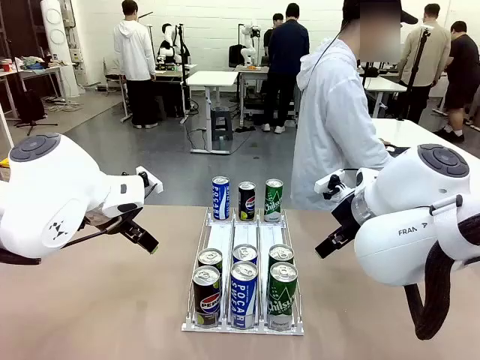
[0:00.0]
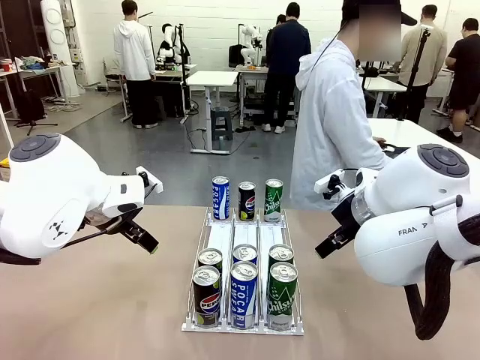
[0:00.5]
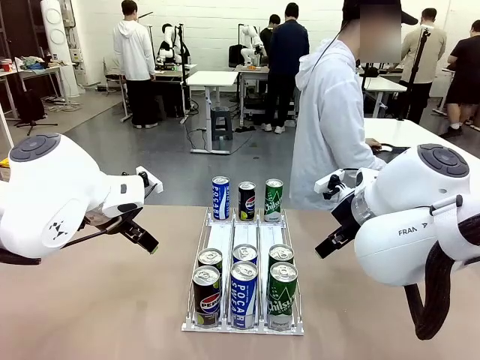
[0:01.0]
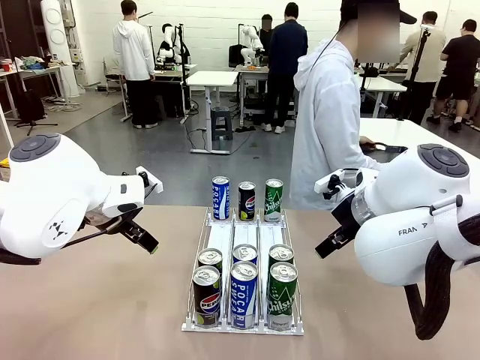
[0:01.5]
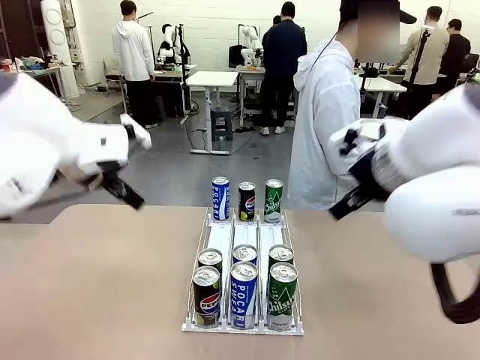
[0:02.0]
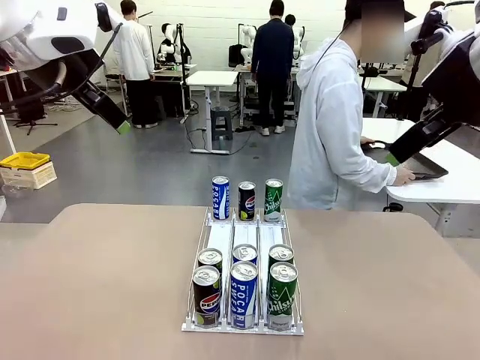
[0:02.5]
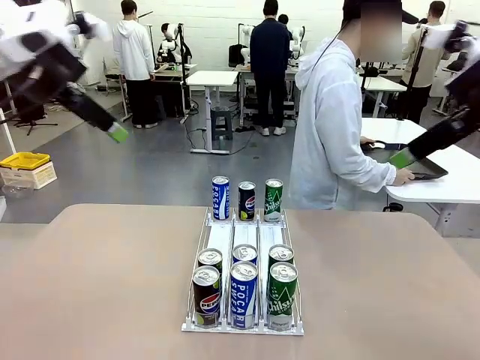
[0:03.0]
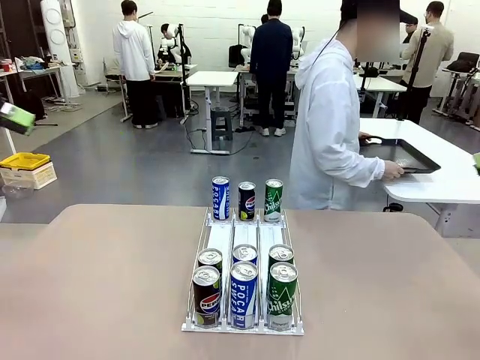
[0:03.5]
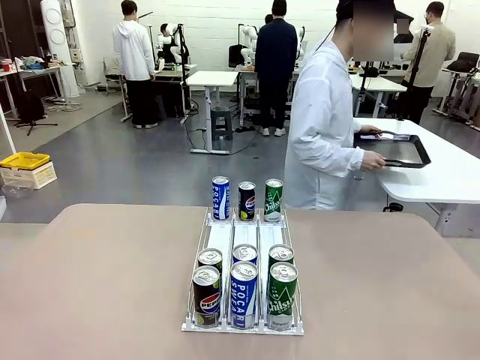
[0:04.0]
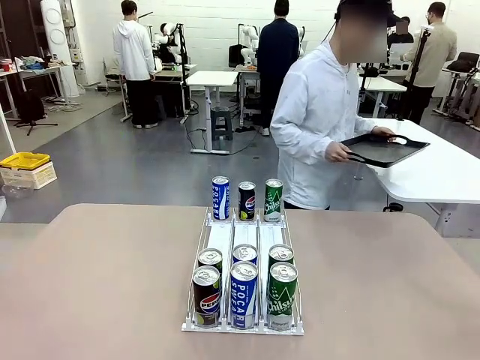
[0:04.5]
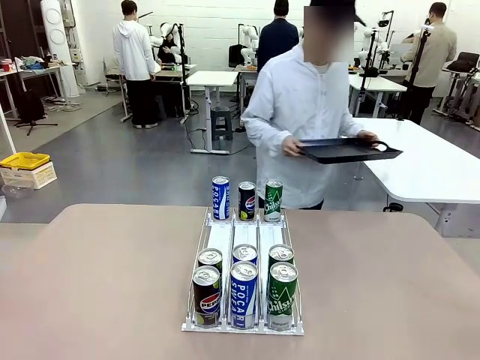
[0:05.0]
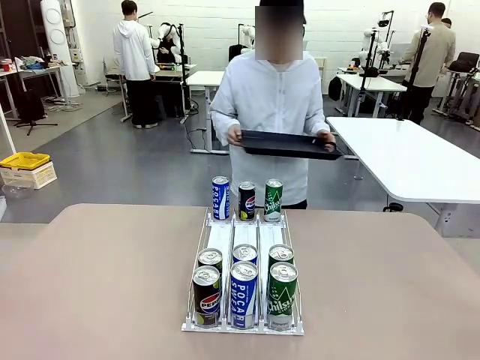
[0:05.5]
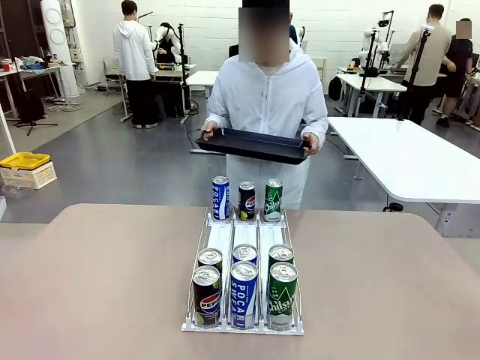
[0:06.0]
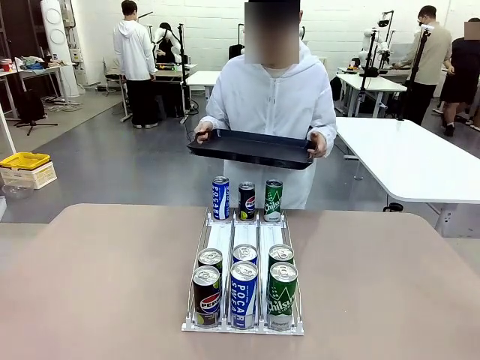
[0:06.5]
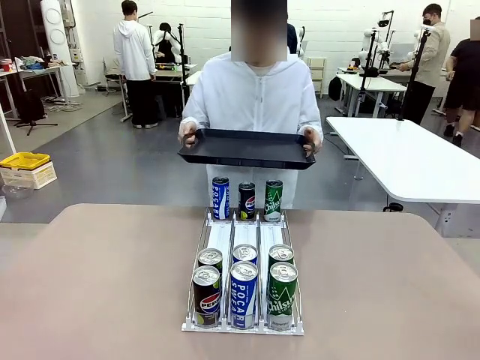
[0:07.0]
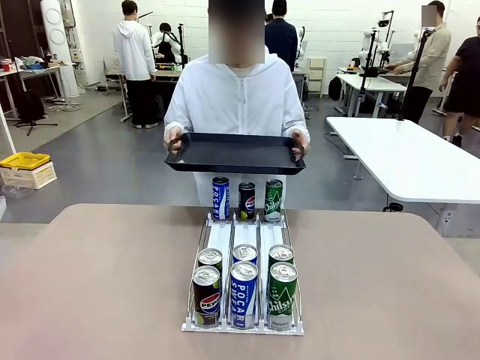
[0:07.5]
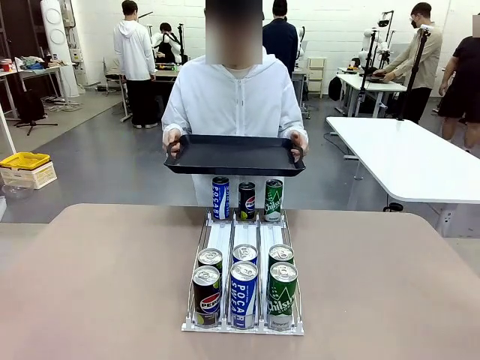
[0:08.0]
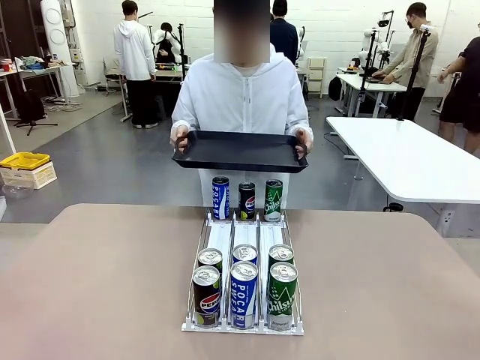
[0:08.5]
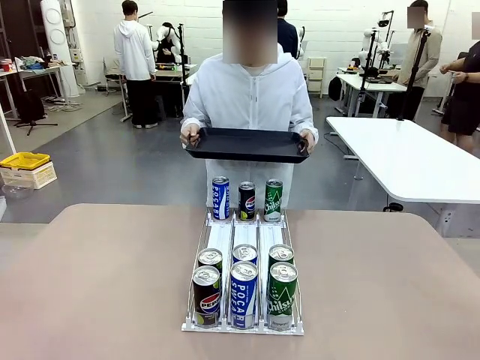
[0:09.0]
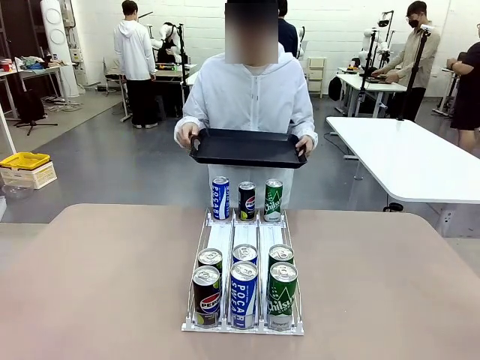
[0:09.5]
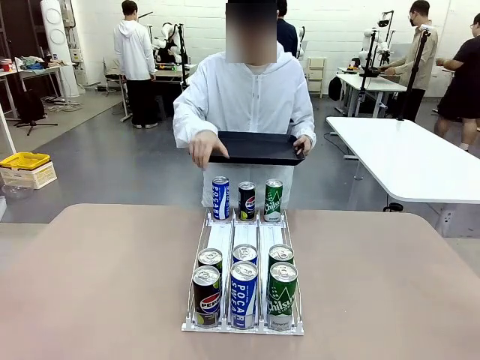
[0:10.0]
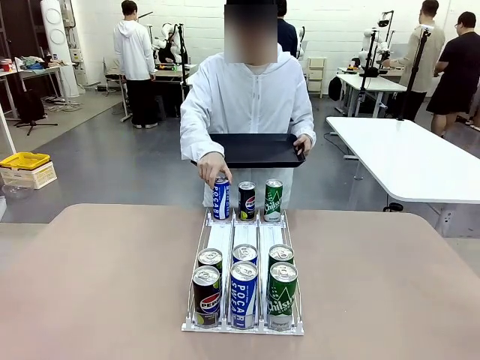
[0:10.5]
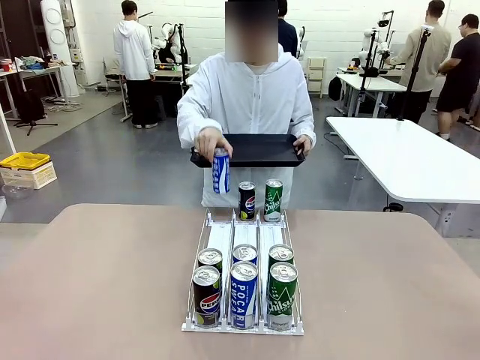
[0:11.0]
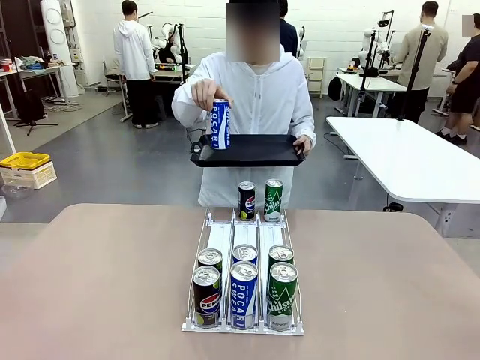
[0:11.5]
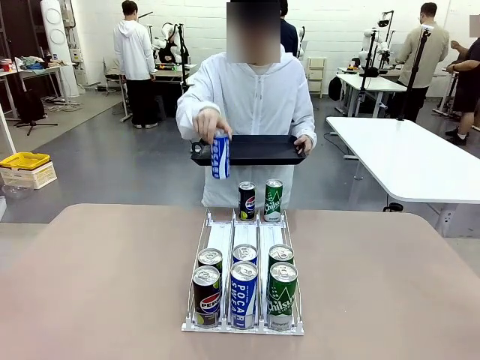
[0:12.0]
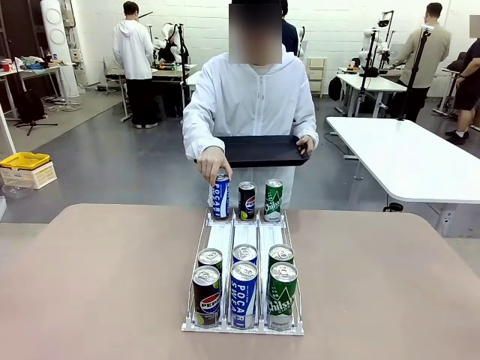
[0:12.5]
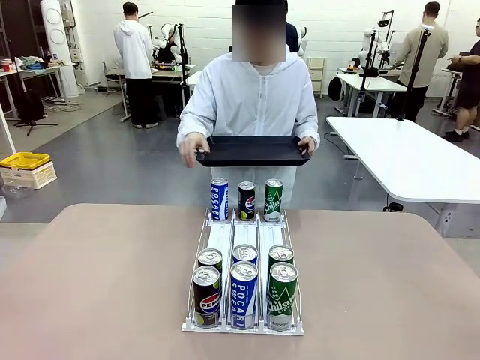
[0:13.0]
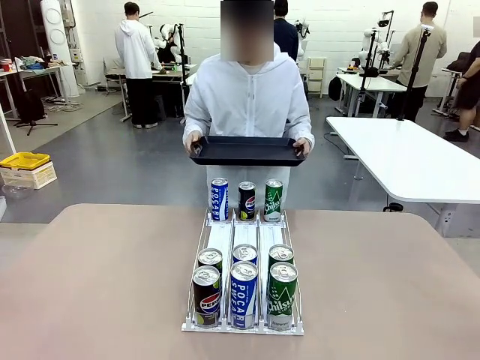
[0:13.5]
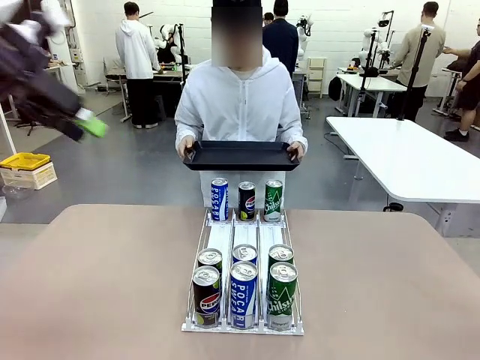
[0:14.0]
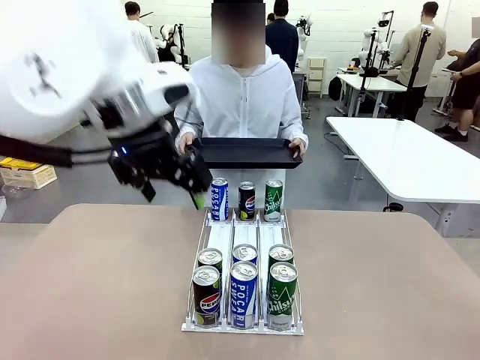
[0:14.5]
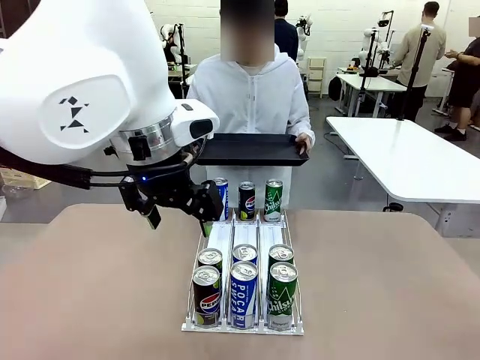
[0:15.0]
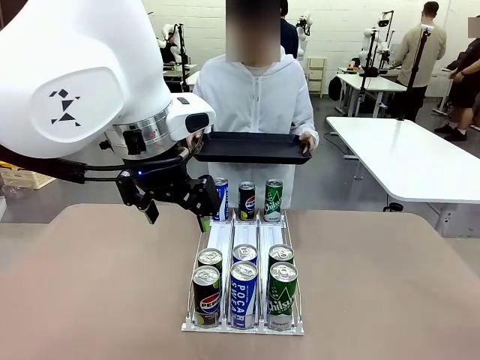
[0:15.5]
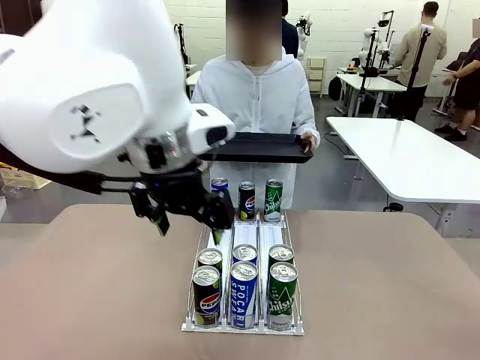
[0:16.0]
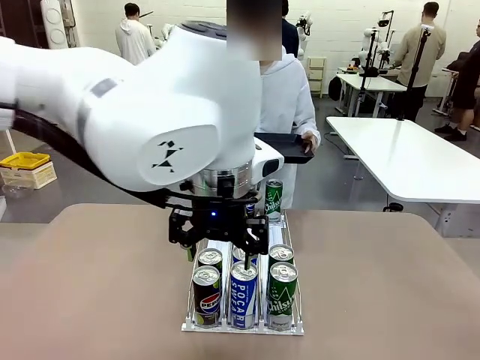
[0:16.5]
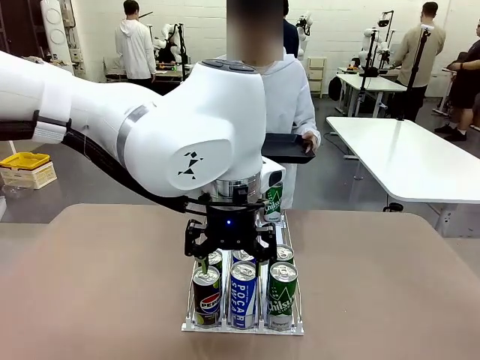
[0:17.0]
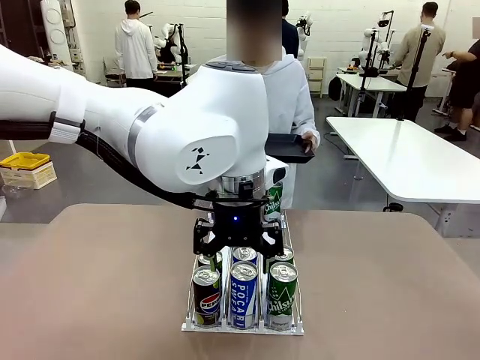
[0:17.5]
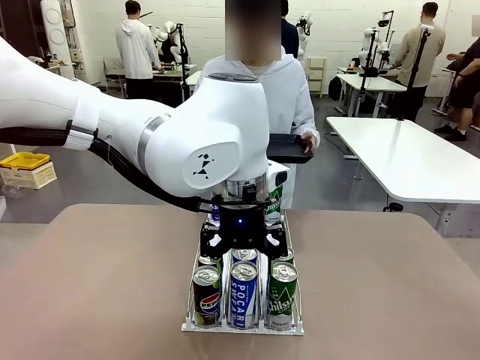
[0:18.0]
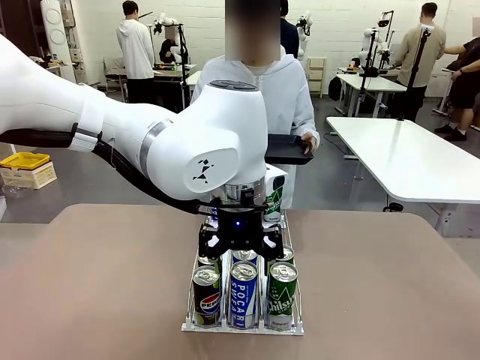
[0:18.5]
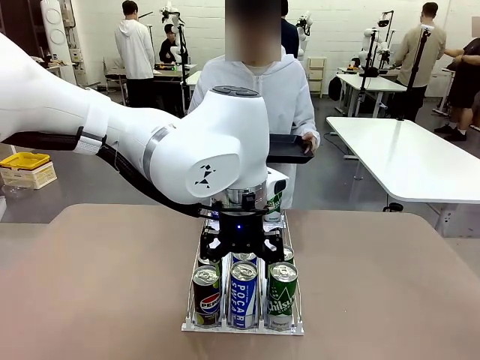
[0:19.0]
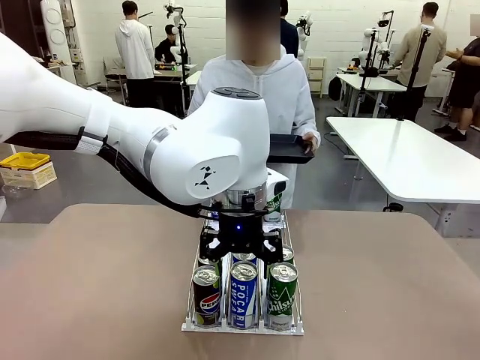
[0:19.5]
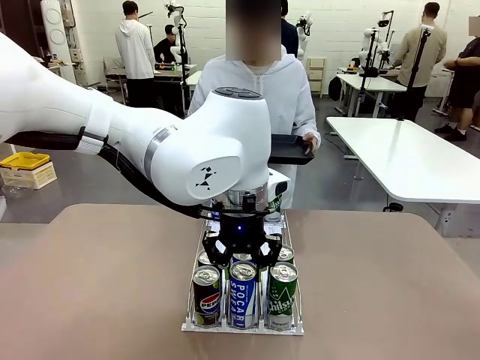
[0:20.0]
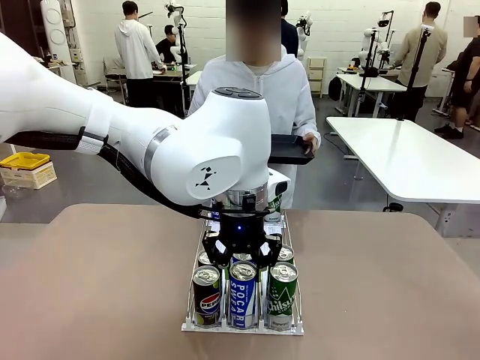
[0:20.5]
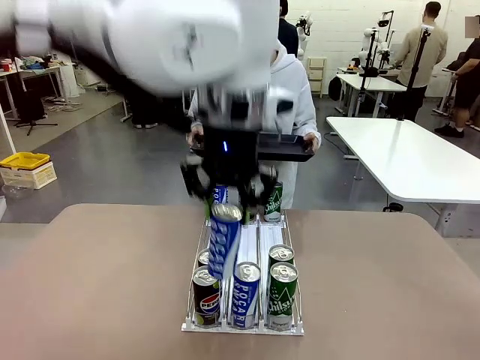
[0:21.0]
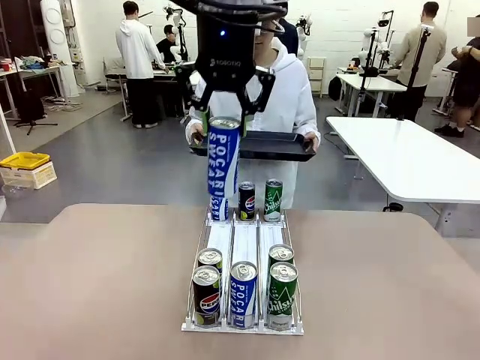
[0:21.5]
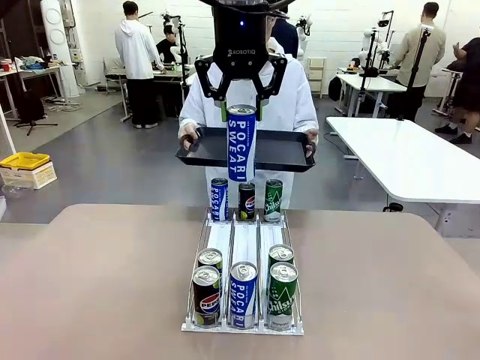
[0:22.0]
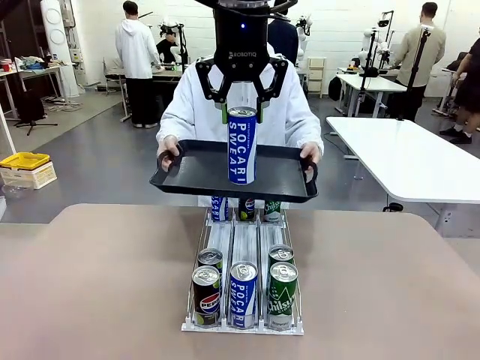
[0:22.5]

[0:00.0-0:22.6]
Task: Retrieve and hand over the desired beverage to the person.
Robot: Pick up a can of the same type that the person held from the Automatic Can Dispenser.
Person: Hold the tray and position yourself in front of the robot table. Pick up one can from the bottom area of the table and puts it back in its original place. Push the tray toward the robot.

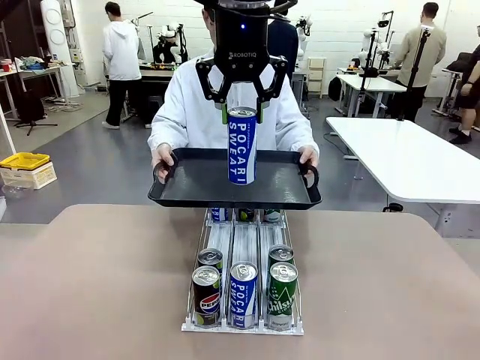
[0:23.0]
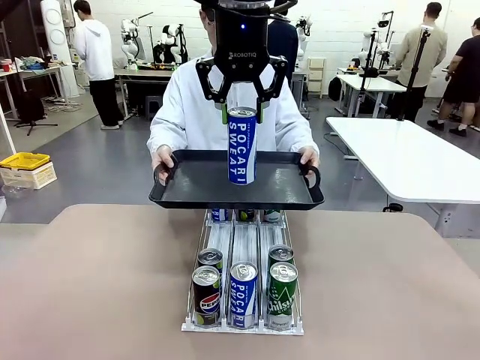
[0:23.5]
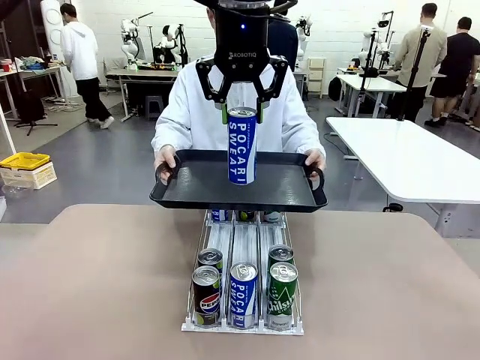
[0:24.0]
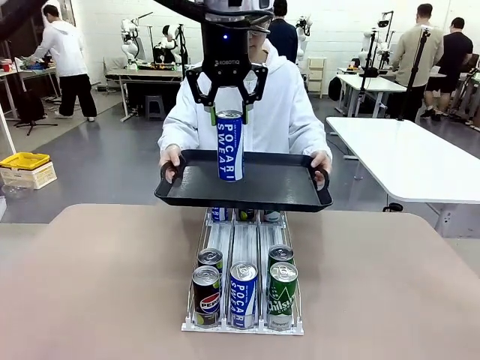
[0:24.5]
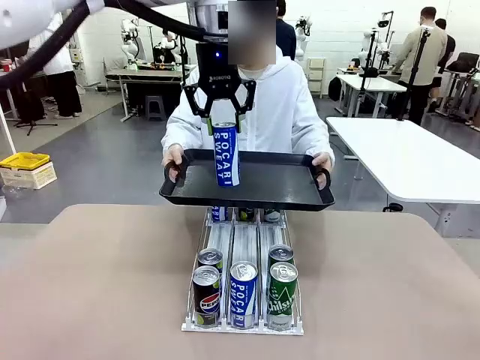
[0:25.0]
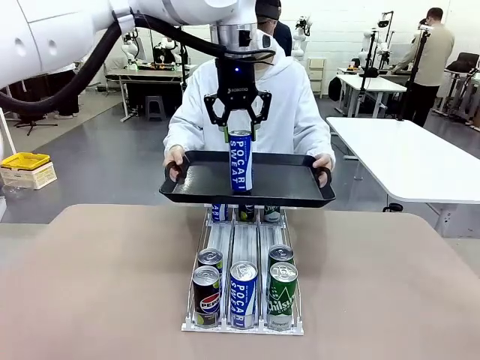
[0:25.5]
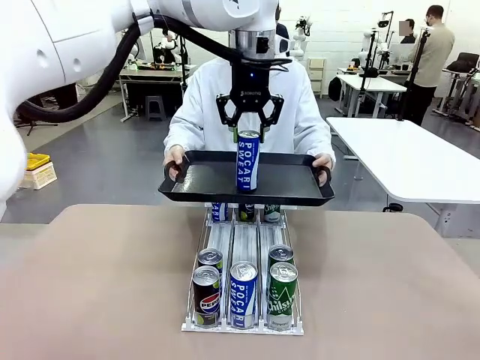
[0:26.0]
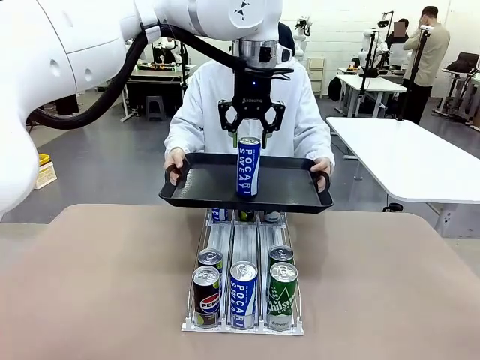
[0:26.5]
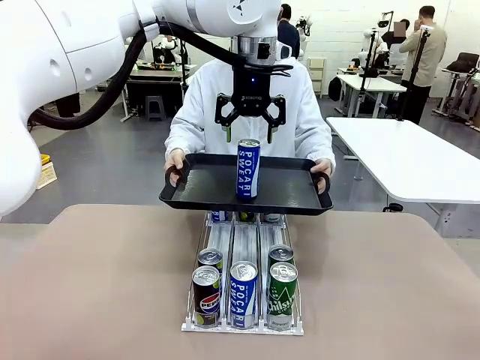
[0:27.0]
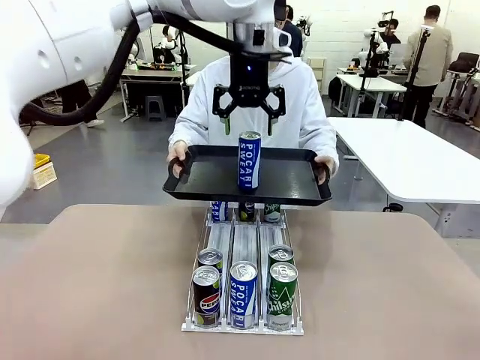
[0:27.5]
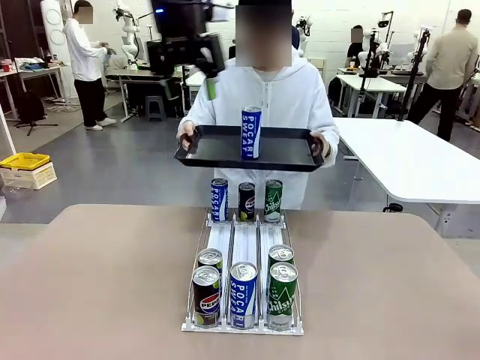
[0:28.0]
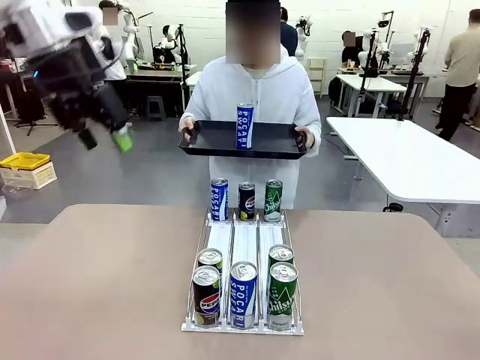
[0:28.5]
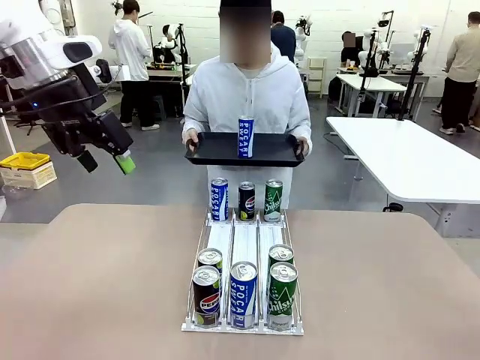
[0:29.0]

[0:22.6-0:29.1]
Robot: Place the picked can on the Handle tray extended by the person.
